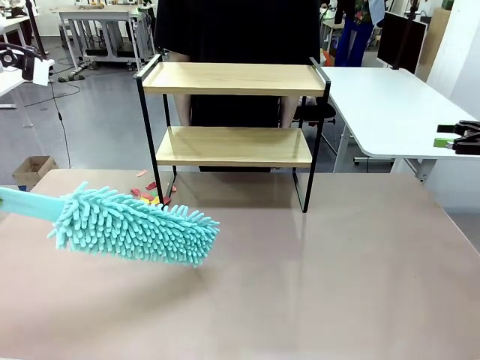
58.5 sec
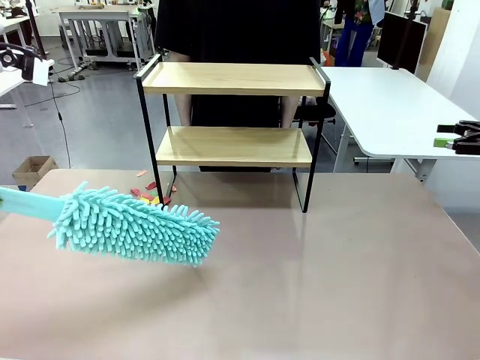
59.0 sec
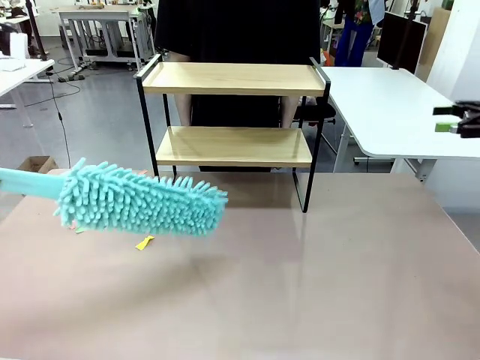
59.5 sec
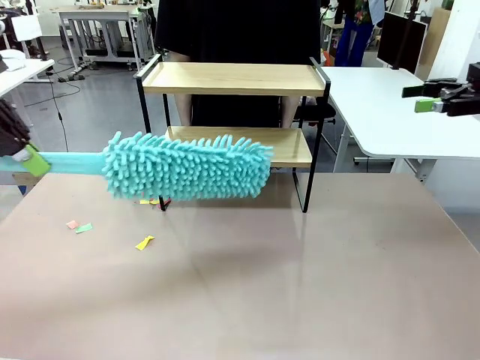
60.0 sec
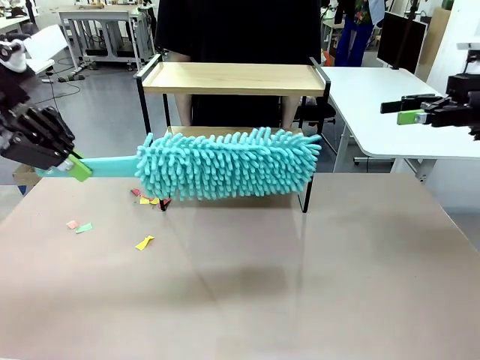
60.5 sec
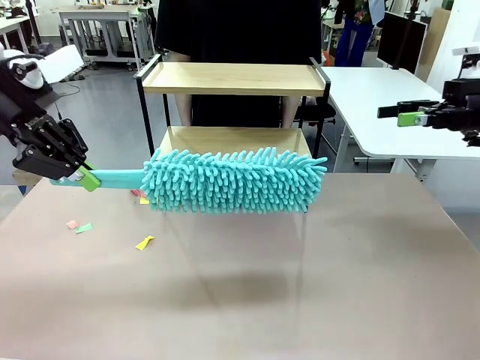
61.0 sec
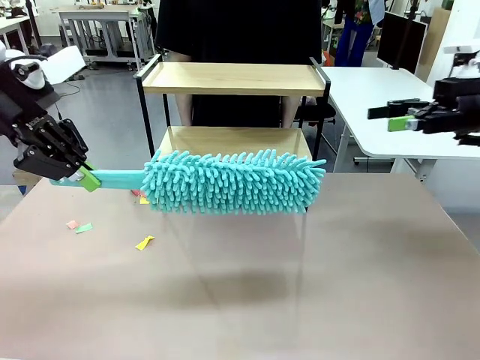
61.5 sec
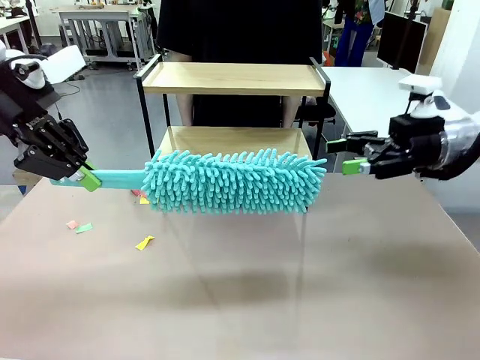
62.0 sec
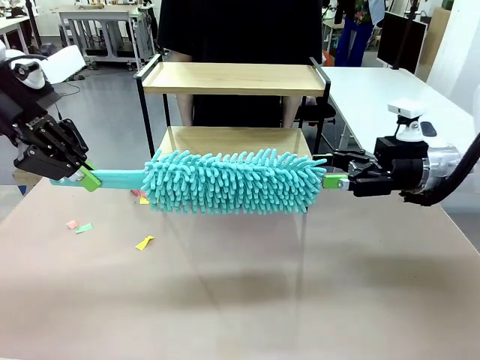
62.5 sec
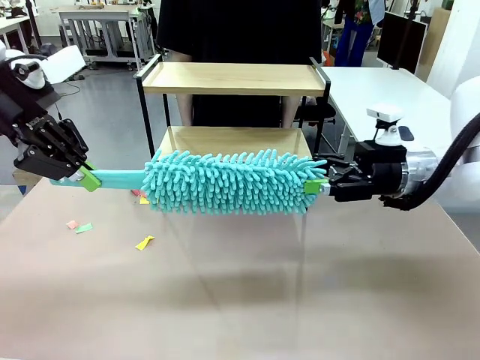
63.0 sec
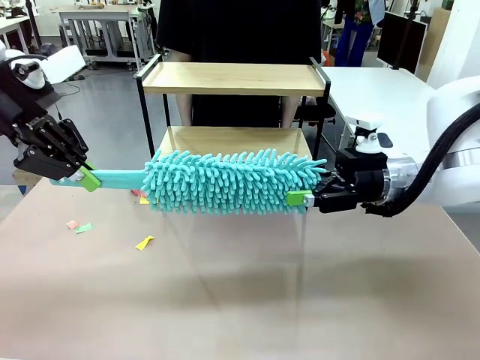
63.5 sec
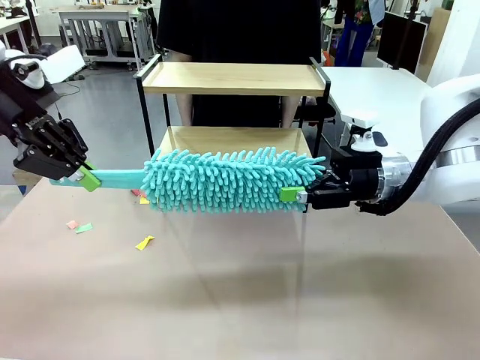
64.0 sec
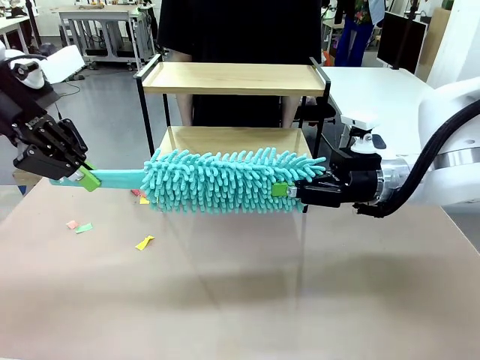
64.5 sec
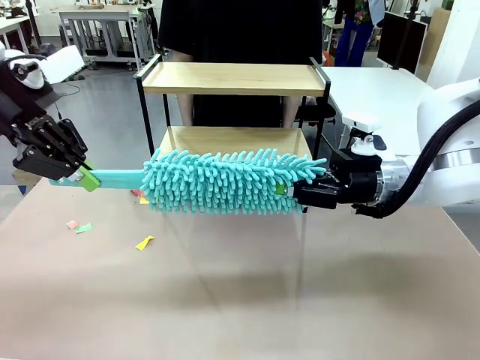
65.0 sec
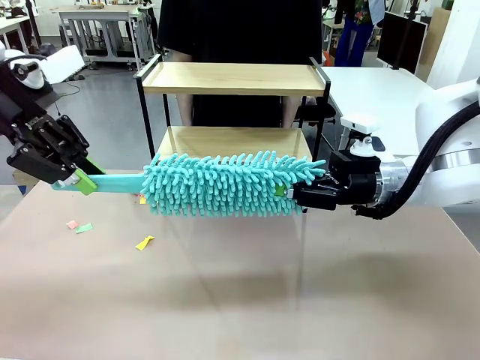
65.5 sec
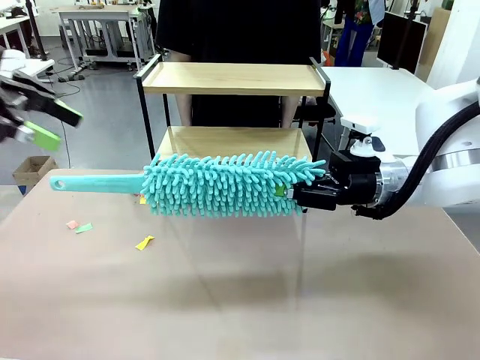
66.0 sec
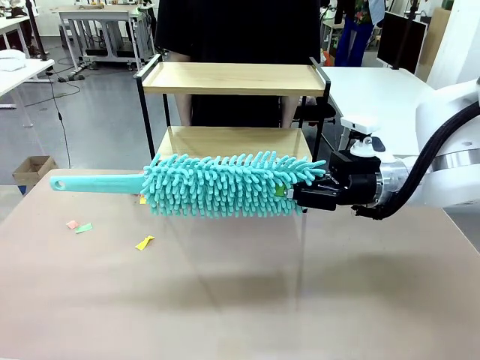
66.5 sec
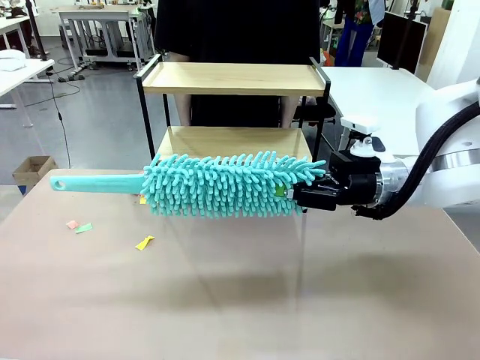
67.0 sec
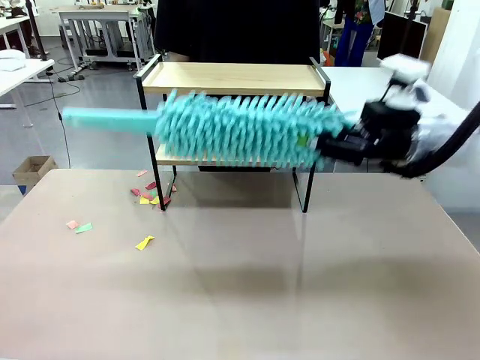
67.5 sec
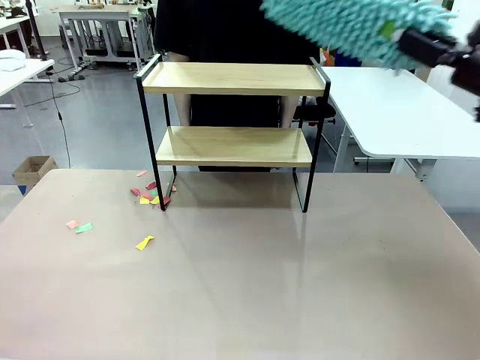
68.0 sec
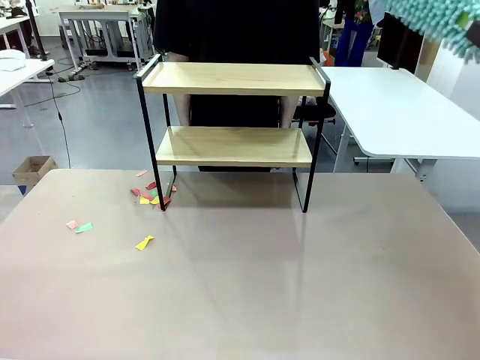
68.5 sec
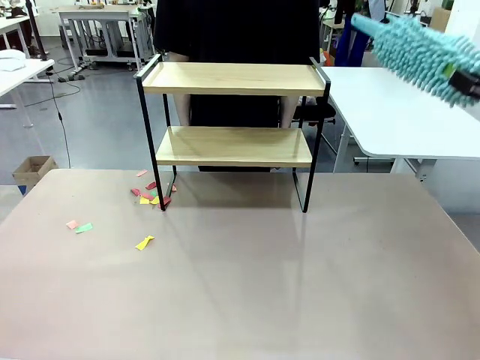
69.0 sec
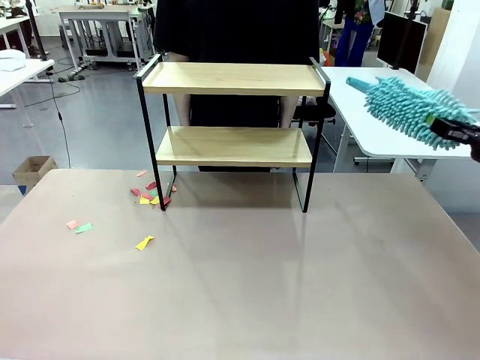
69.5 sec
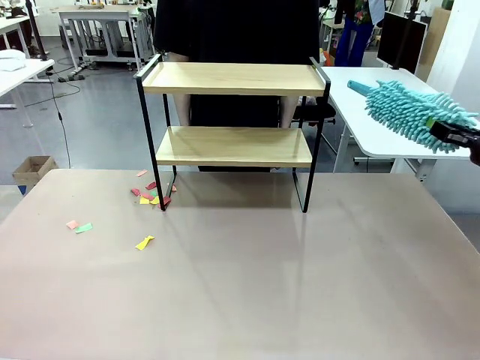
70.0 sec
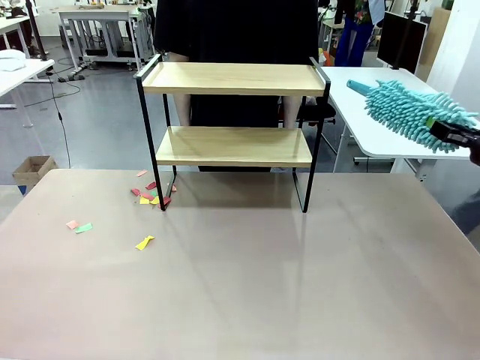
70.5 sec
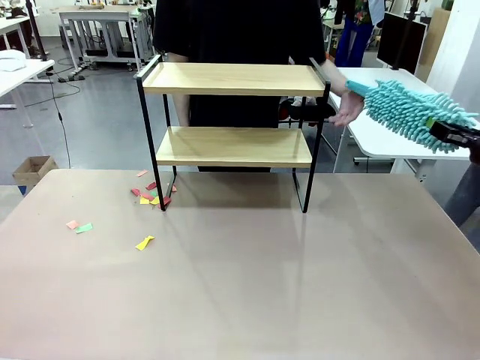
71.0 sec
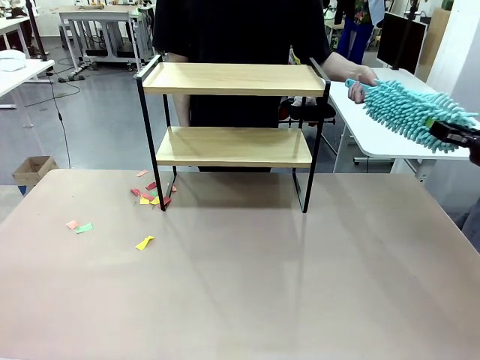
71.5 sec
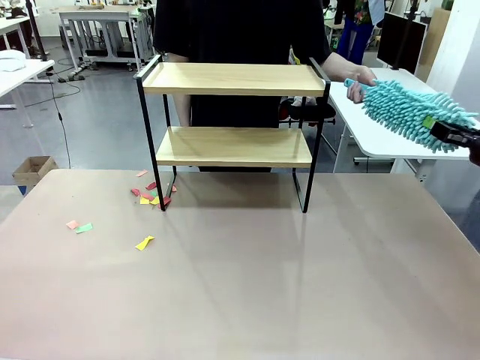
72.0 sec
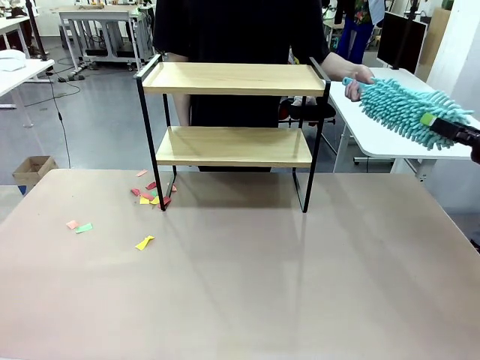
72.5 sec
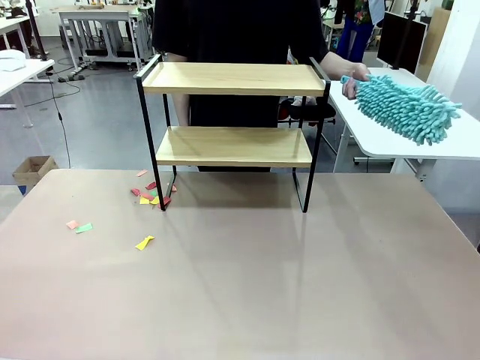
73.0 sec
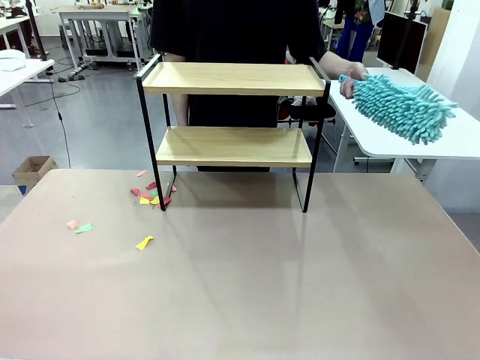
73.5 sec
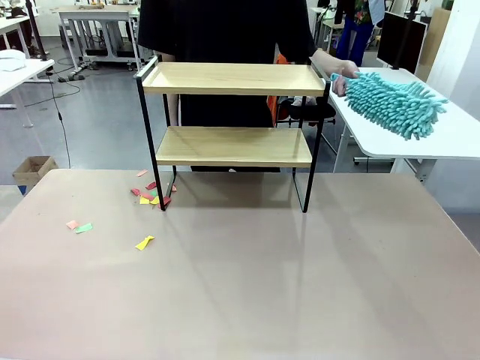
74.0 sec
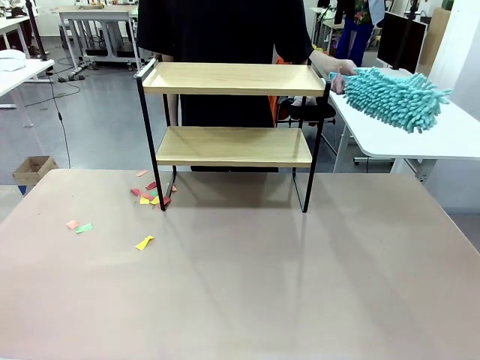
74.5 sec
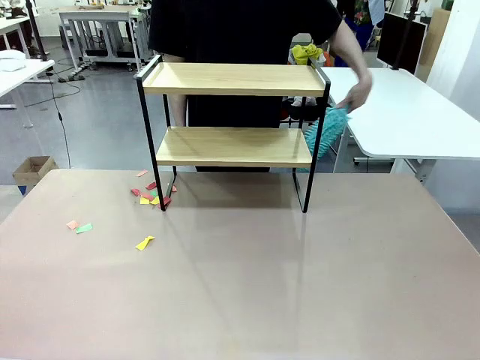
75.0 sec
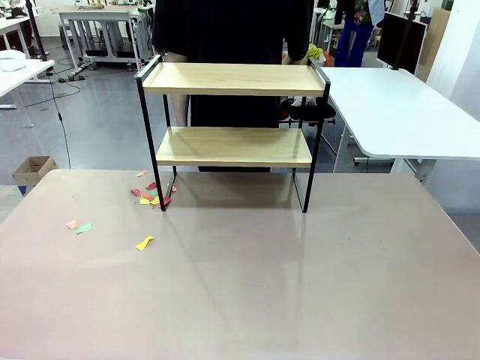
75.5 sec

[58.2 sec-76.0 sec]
Task: Clean the shelf.
Robot: Hand the Duster back to the human.
Person: Receive the Duster from the robot.
